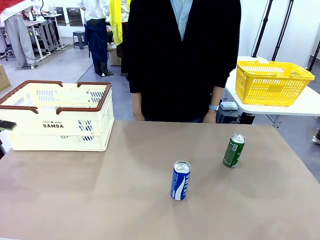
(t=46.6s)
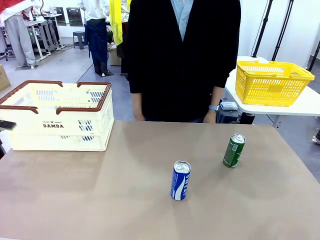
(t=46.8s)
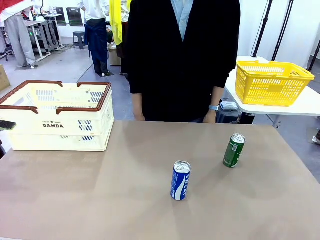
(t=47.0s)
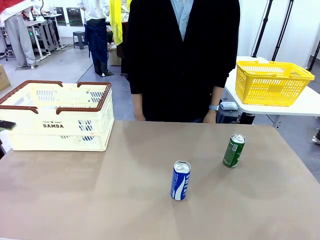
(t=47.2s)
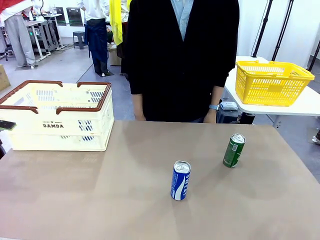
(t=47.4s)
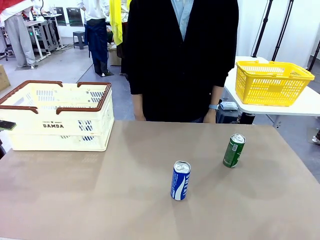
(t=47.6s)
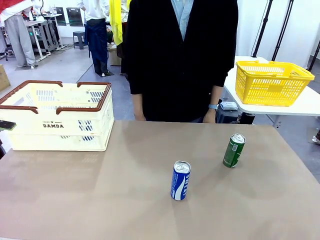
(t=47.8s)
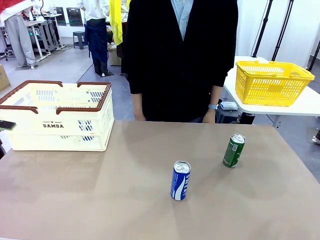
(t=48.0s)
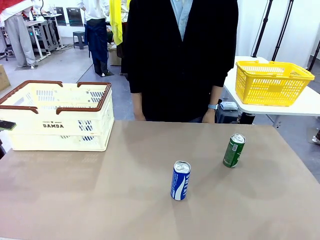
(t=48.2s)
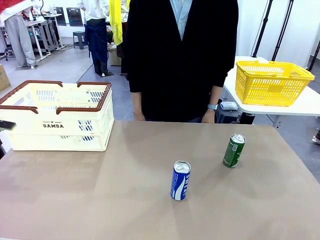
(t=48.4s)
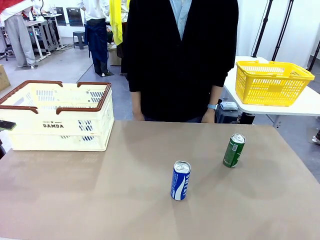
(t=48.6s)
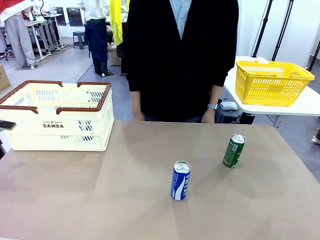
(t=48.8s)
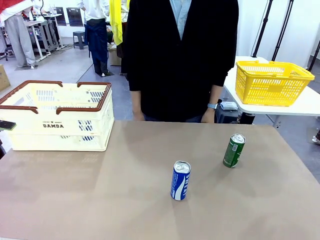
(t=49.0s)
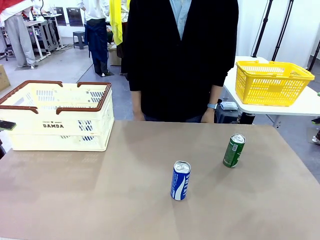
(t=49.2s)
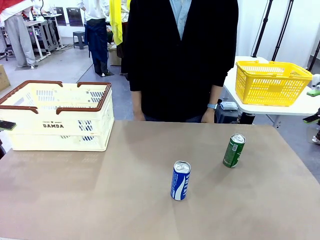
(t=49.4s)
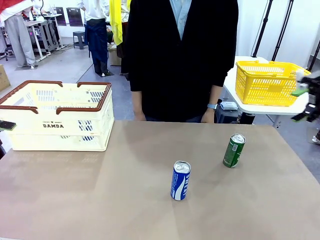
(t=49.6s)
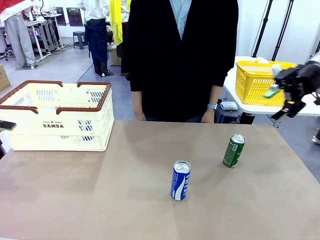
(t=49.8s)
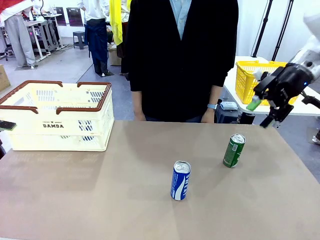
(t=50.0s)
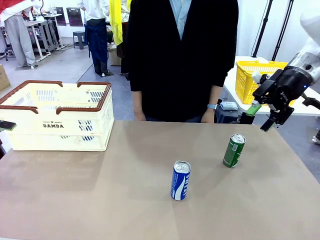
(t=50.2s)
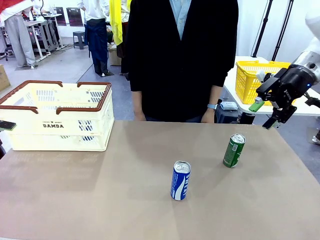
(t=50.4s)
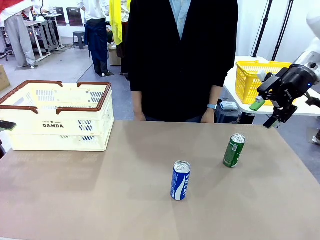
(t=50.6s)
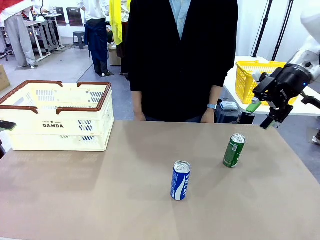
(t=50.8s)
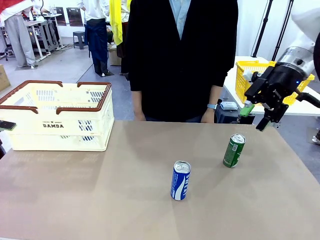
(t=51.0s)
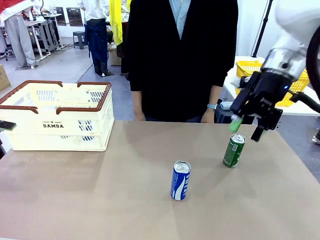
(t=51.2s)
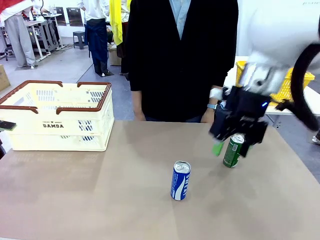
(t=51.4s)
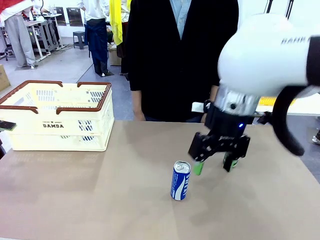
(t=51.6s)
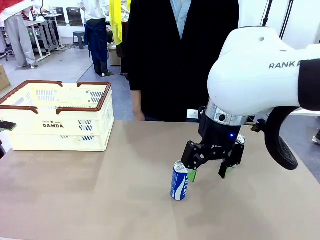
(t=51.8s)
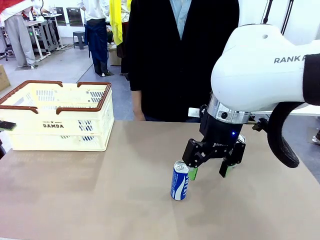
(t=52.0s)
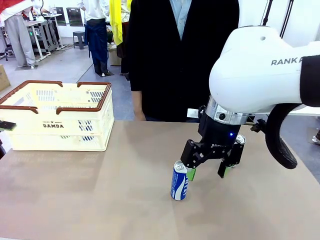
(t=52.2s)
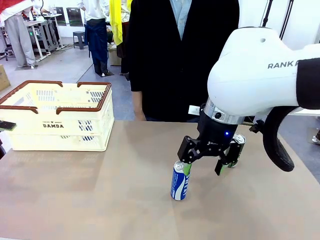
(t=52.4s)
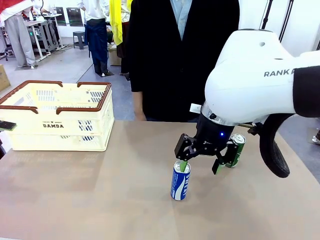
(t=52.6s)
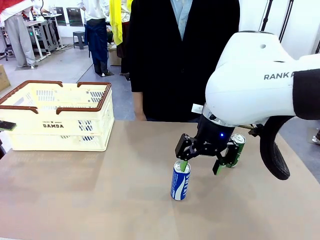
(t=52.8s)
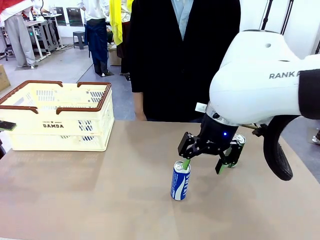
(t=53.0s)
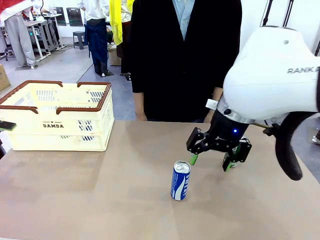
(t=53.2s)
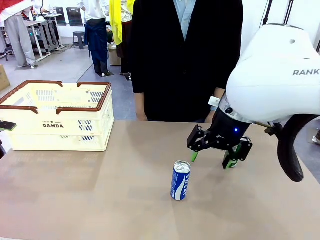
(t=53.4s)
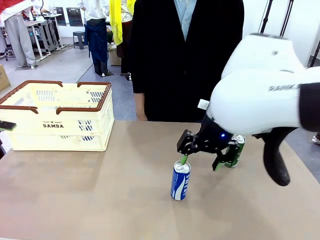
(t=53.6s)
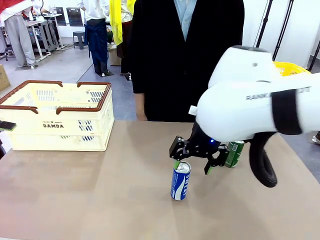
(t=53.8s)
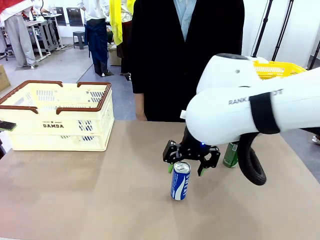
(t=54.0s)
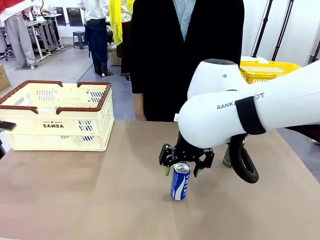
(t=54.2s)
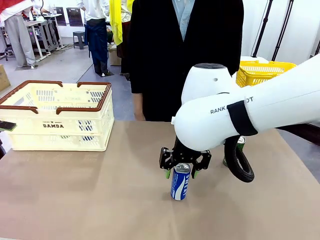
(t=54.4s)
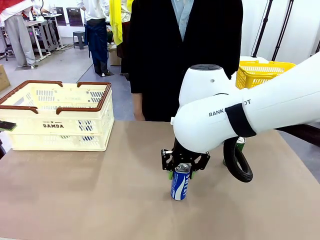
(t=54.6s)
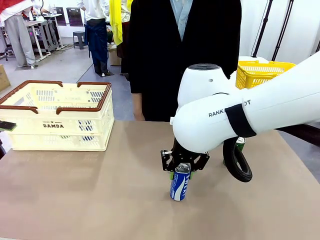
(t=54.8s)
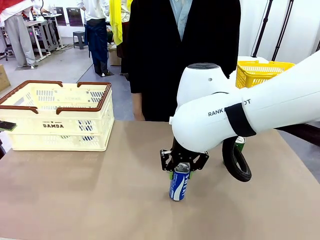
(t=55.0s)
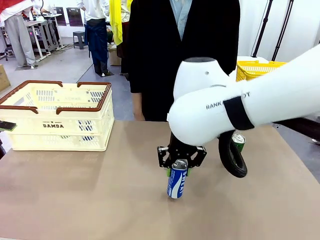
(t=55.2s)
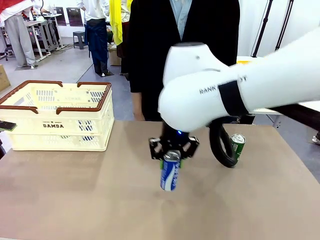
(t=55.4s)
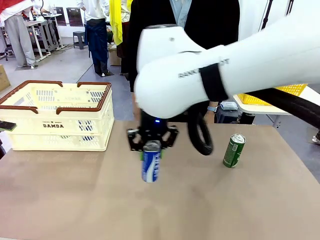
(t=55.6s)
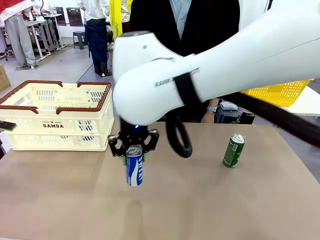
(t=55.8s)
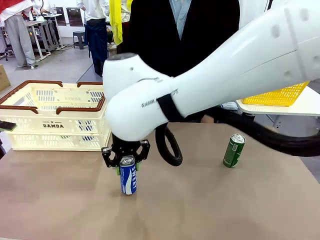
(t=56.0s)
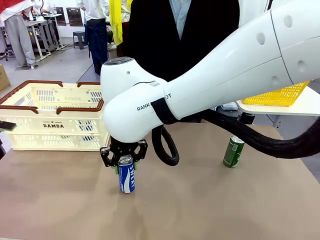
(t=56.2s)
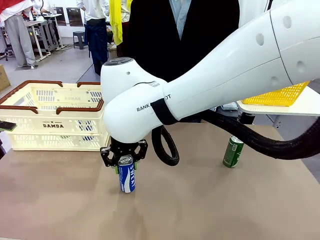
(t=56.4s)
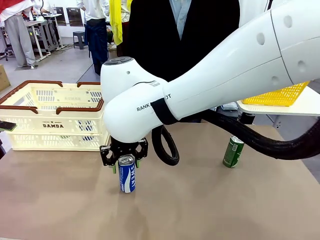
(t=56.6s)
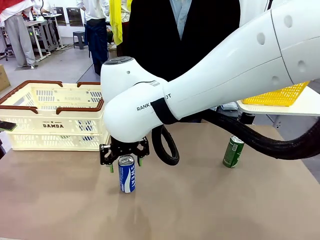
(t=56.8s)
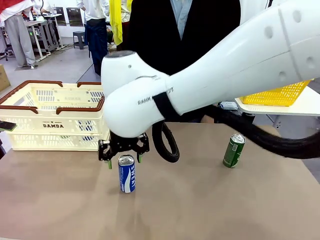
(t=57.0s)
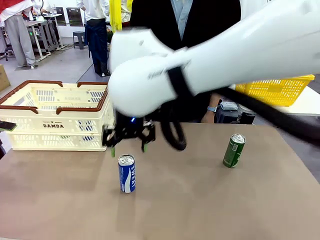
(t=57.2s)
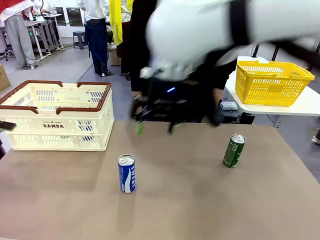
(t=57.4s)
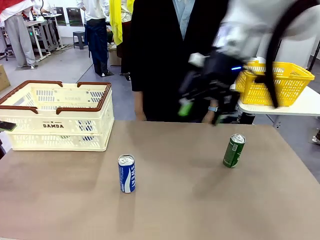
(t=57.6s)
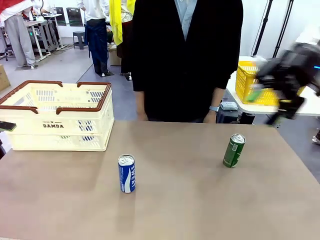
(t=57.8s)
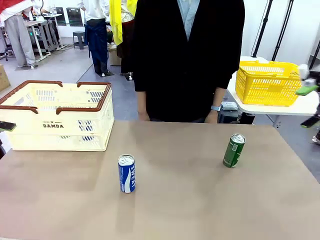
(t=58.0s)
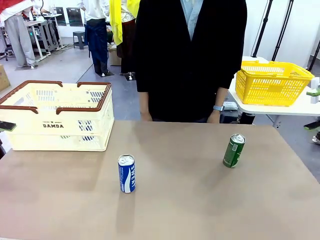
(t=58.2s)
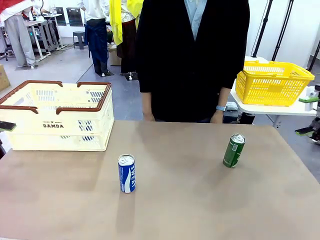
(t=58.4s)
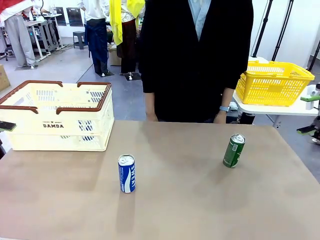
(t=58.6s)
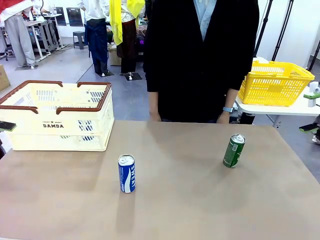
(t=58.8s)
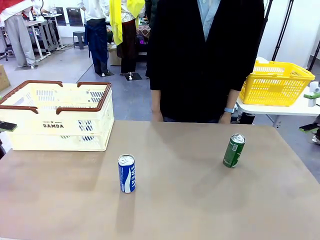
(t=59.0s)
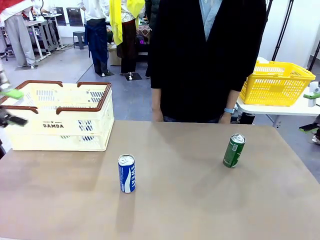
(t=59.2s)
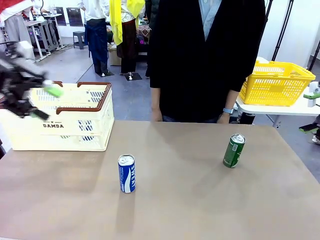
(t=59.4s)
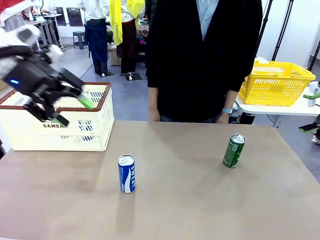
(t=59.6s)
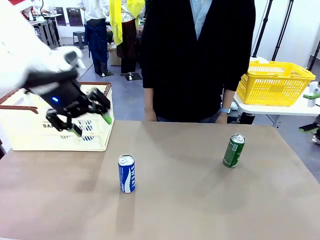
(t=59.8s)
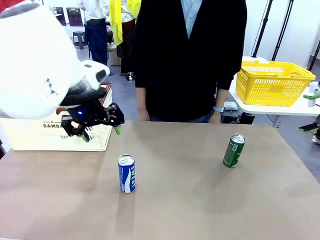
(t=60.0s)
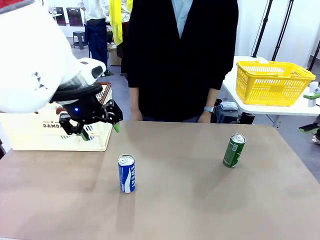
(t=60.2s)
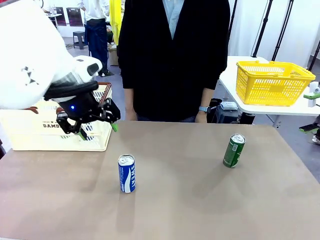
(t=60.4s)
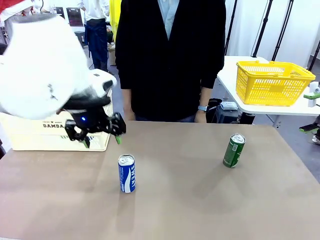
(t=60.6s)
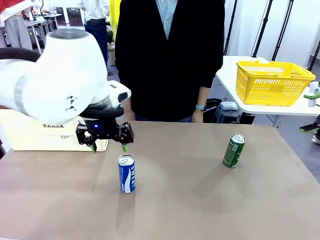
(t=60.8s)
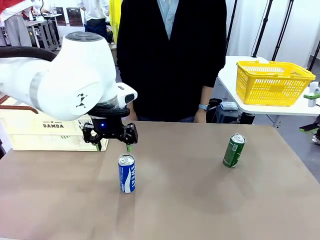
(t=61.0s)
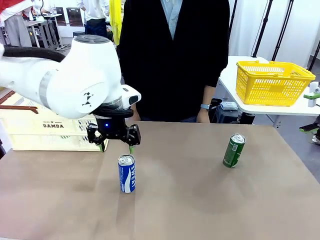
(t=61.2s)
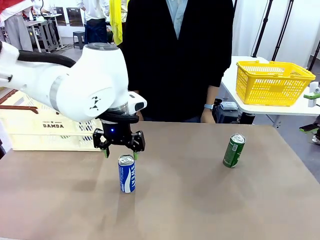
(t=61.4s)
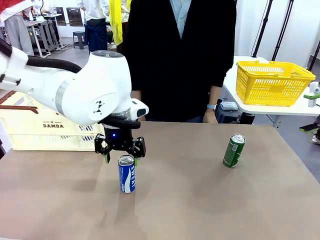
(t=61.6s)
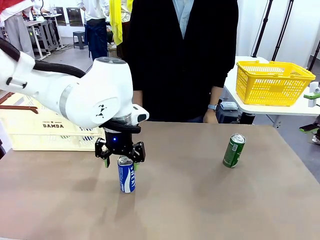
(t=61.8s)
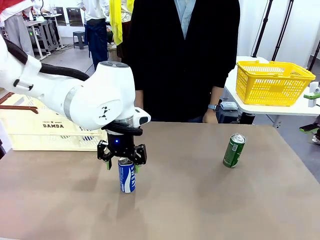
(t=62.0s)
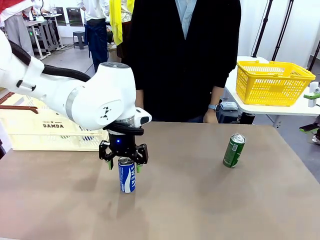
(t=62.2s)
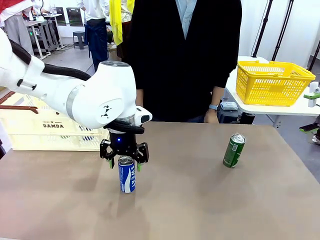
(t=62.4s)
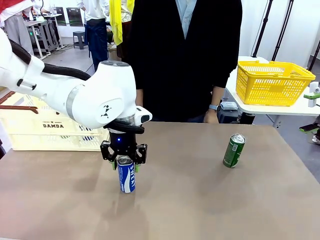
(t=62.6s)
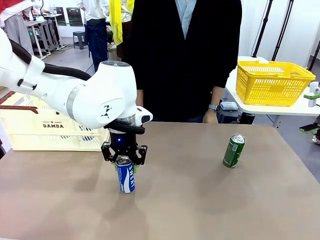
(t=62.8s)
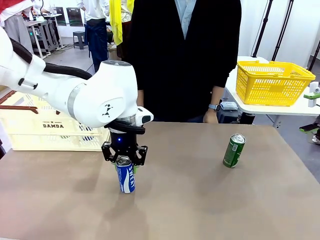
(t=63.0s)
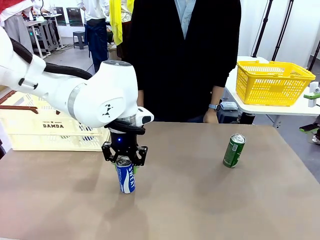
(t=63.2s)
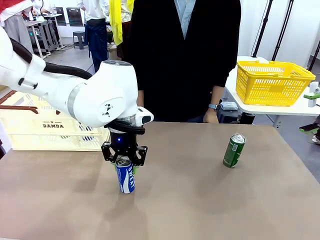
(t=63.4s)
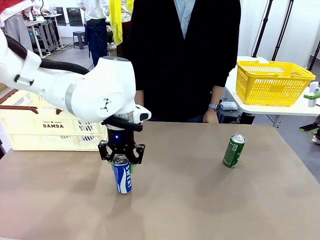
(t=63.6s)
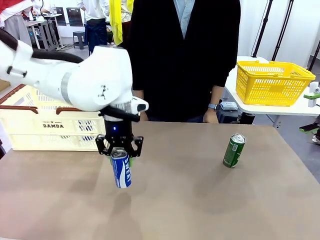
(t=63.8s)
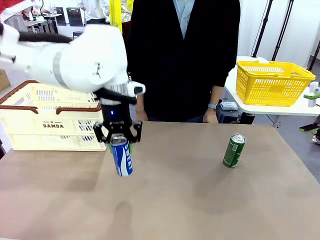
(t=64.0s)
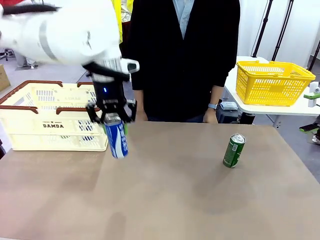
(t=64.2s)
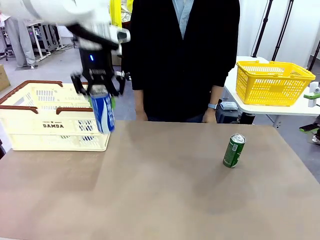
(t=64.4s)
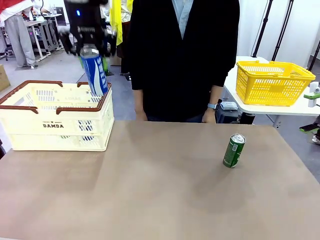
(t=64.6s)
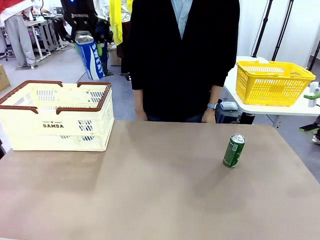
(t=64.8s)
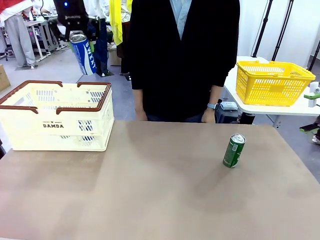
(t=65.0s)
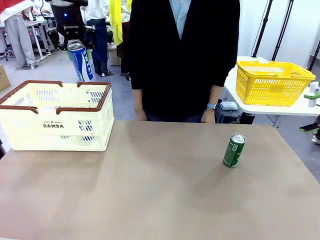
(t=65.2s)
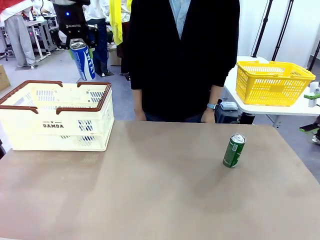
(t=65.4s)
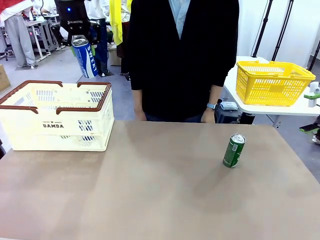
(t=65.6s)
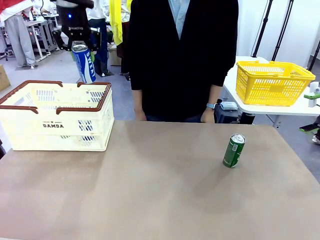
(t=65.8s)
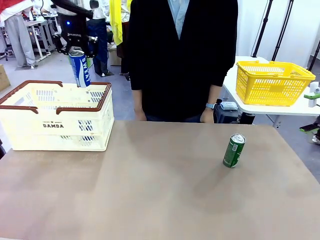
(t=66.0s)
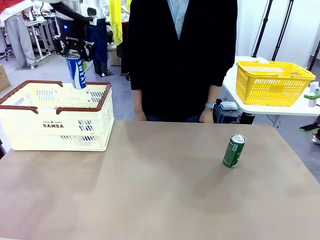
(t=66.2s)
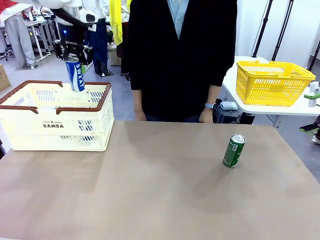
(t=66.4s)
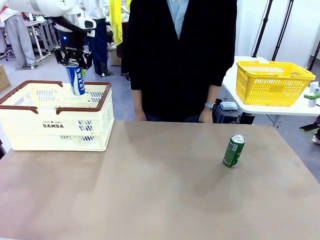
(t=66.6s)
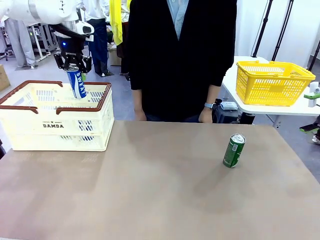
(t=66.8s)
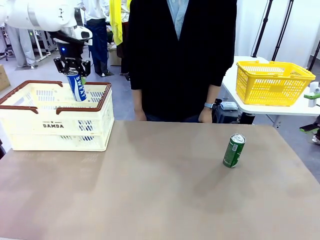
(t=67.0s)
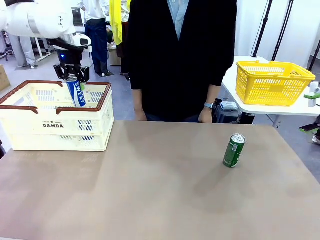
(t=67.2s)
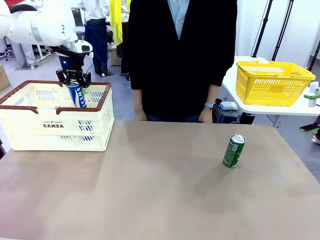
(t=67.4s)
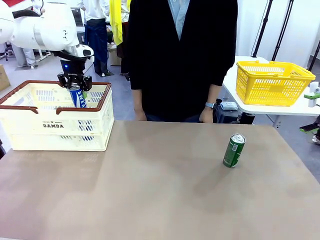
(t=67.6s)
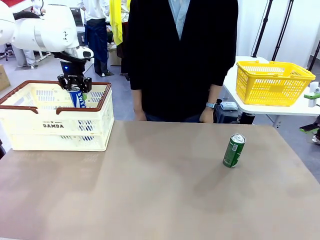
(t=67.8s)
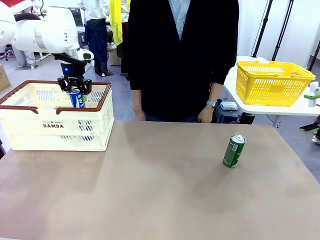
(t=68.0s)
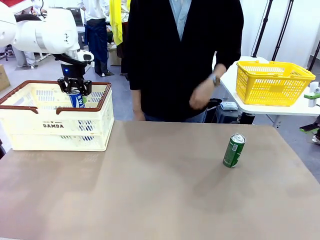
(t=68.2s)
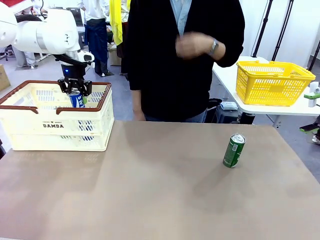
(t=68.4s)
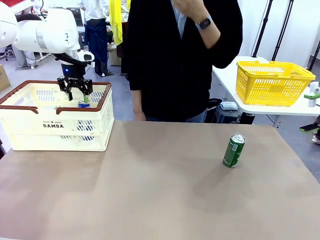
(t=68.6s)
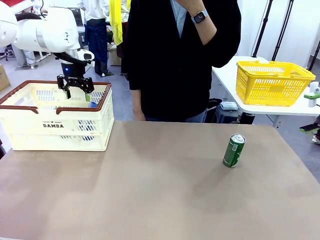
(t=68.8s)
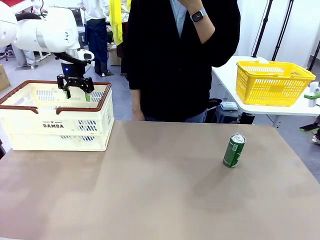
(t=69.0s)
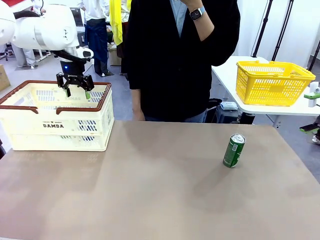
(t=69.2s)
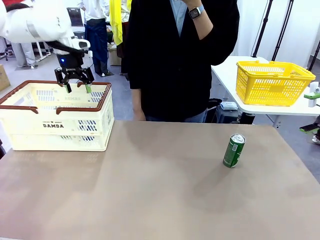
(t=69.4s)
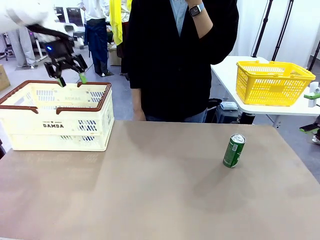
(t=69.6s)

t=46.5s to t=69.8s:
Task: Place the drinks into the Shopping basket.
Robot: Pick up one drink and place it into the Shopping basket.
